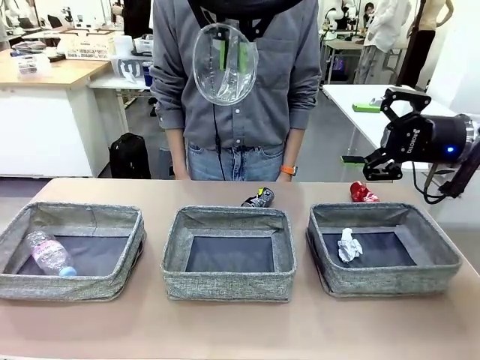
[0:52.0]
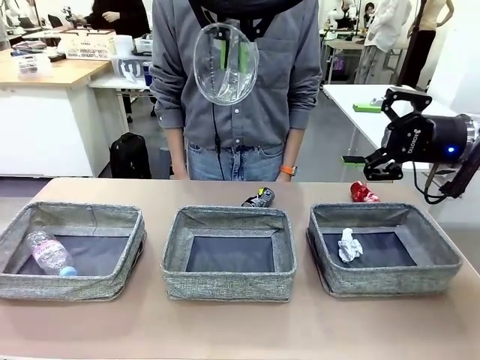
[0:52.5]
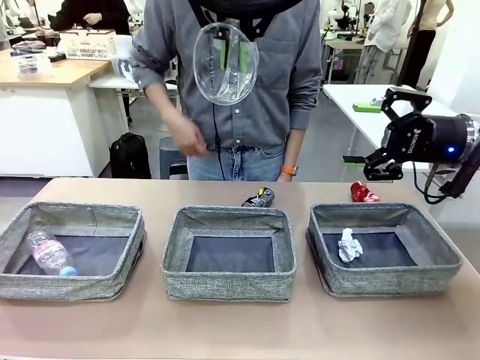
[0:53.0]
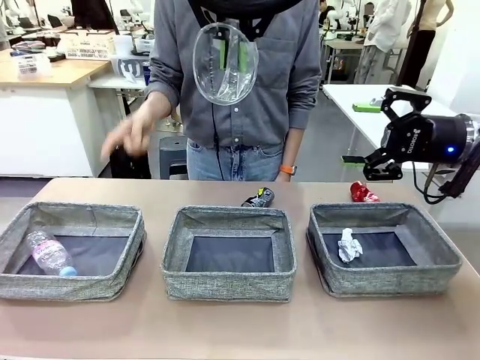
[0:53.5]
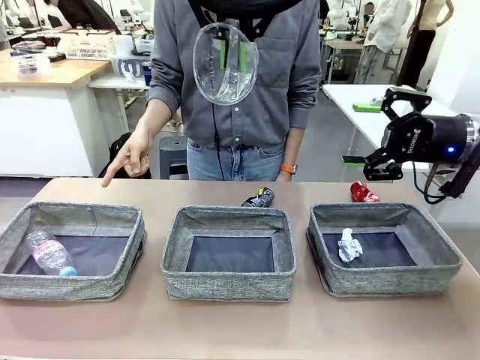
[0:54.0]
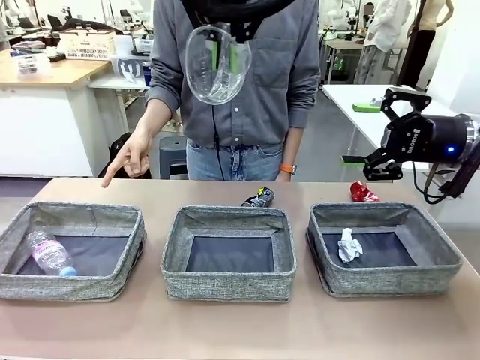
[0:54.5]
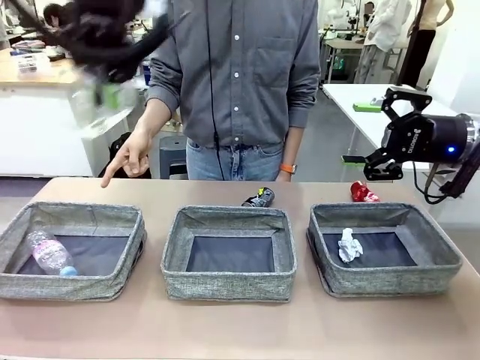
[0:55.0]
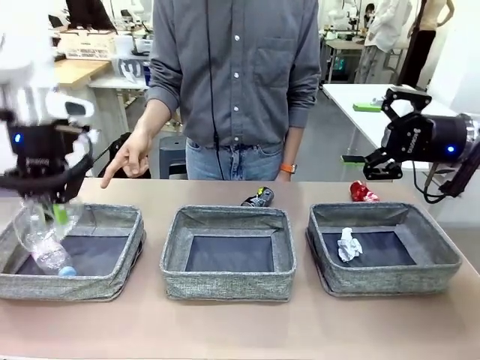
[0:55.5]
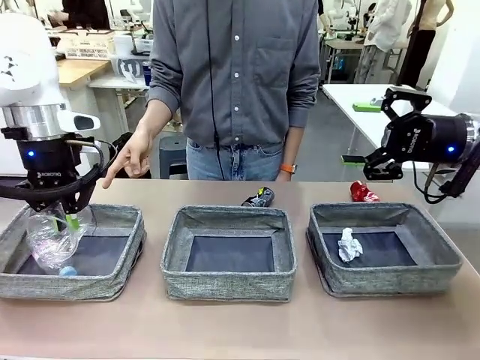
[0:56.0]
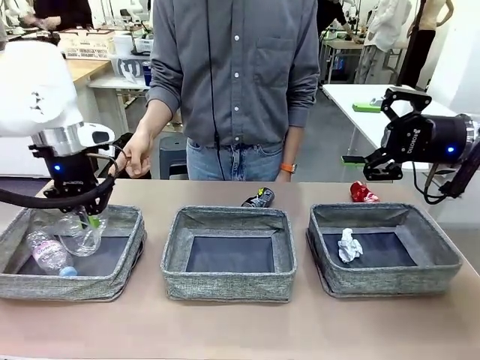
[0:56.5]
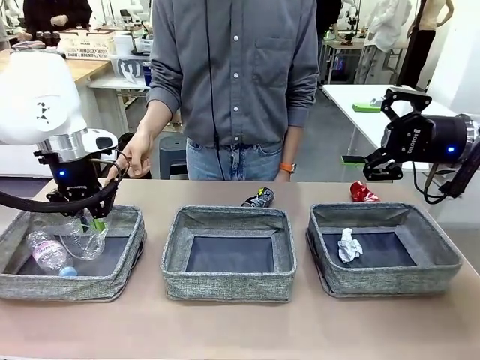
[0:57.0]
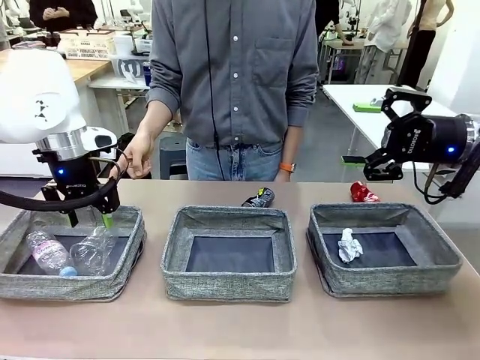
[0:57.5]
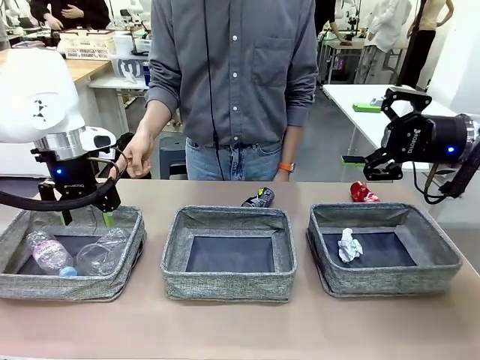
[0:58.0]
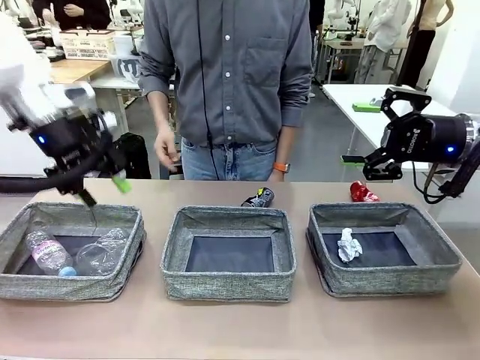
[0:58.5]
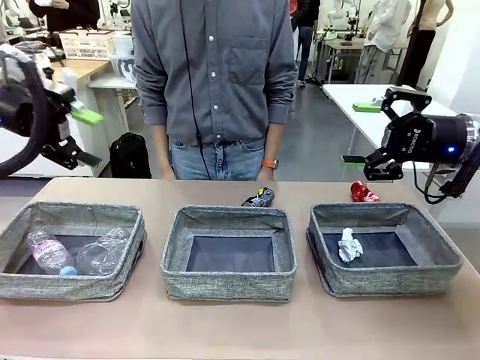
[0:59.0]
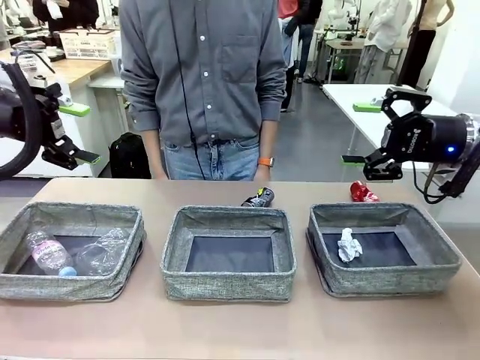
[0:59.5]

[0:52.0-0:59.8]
Task: Sort the waste into the appropriate baskets.
Robot: Place the picked waste into the Fabric basket indicated by the person.
Person: Instructs the robot to place the picked-up trash into the appropriate organizing basket.

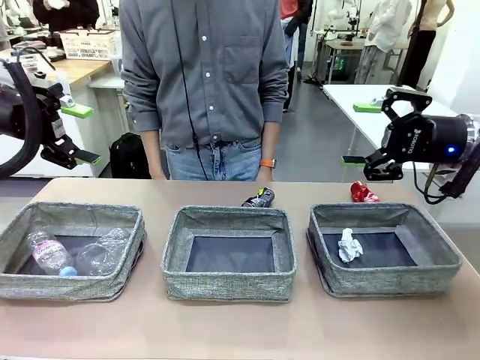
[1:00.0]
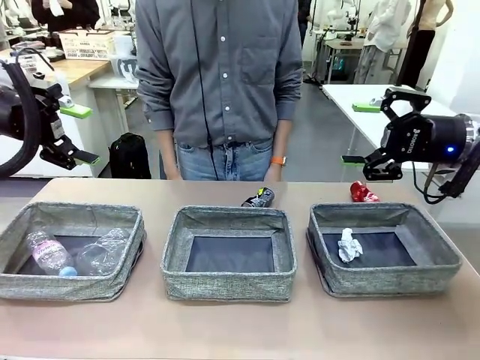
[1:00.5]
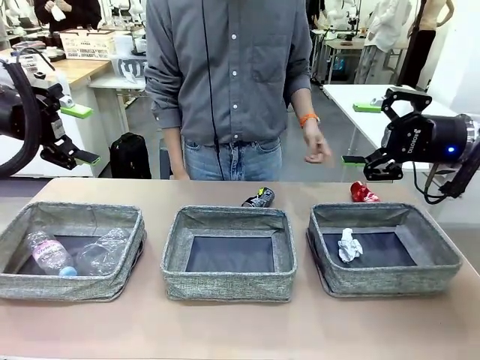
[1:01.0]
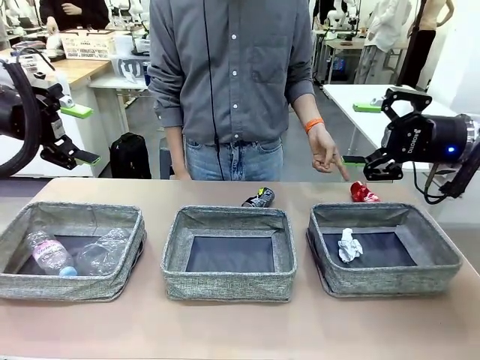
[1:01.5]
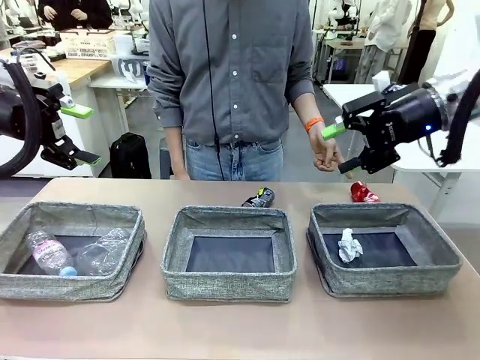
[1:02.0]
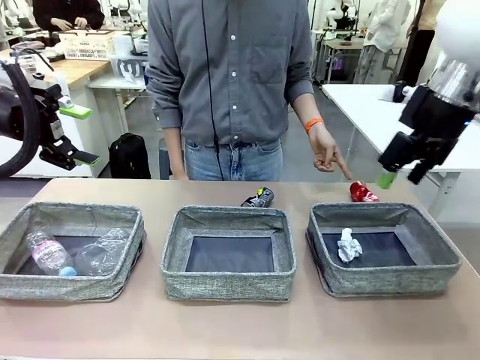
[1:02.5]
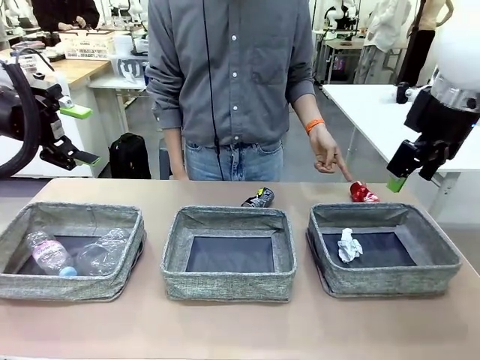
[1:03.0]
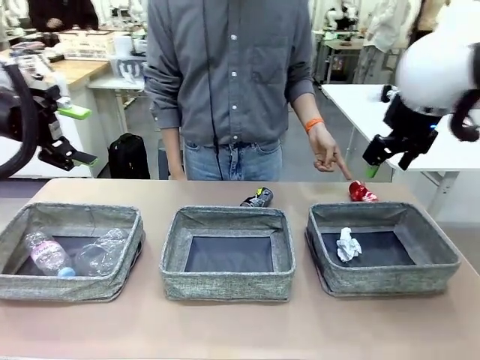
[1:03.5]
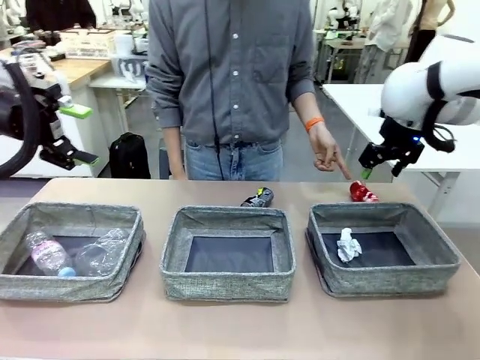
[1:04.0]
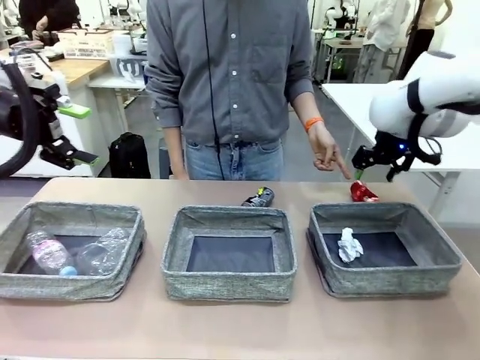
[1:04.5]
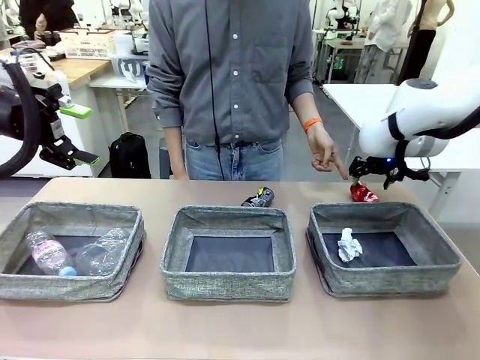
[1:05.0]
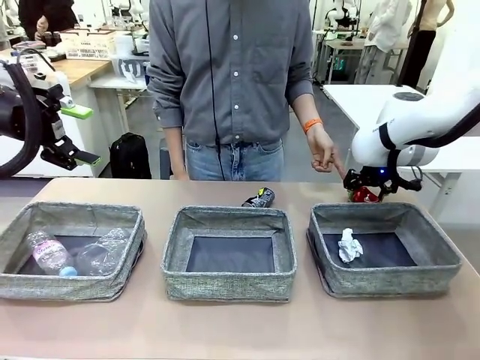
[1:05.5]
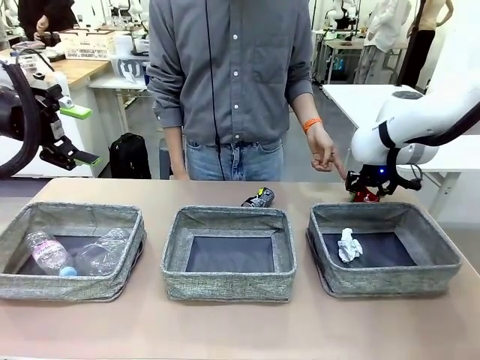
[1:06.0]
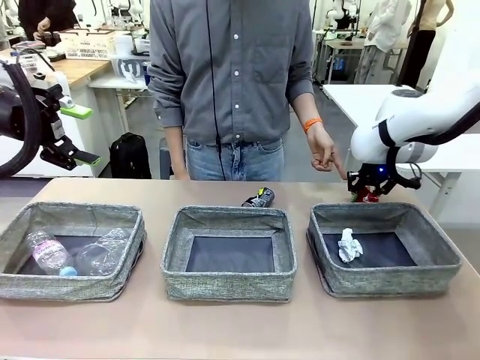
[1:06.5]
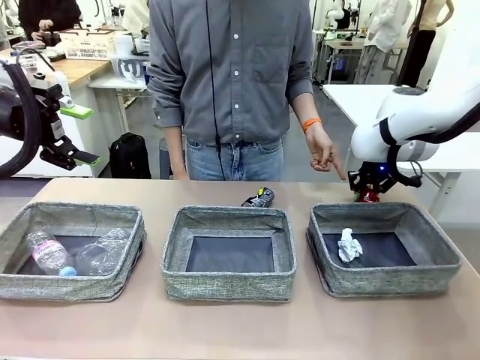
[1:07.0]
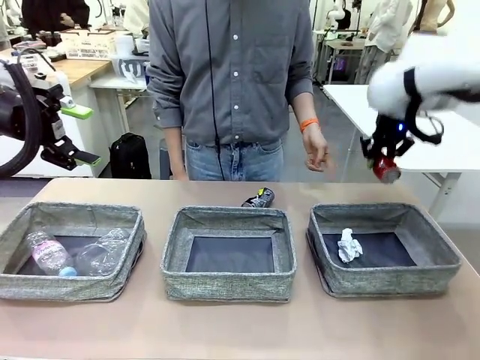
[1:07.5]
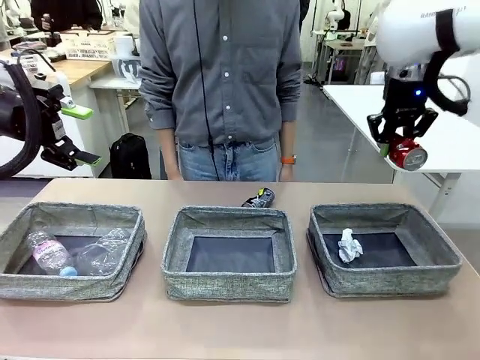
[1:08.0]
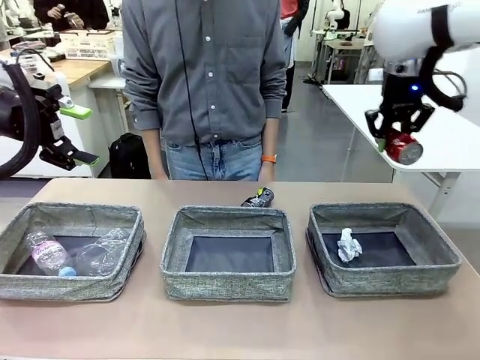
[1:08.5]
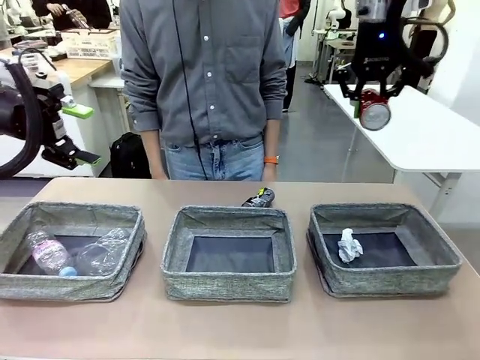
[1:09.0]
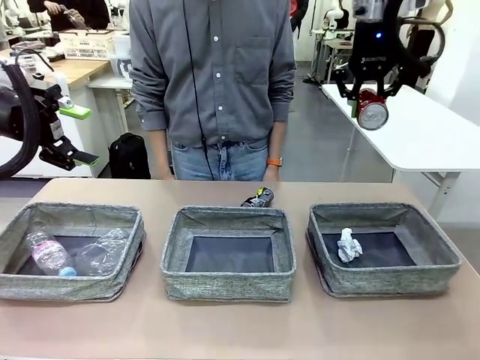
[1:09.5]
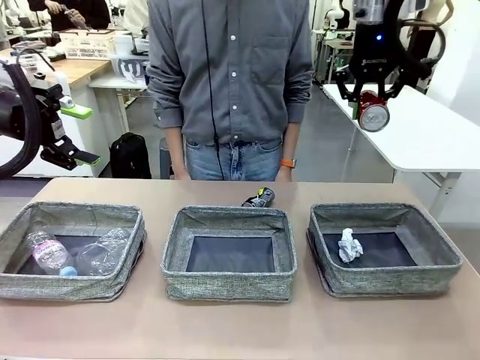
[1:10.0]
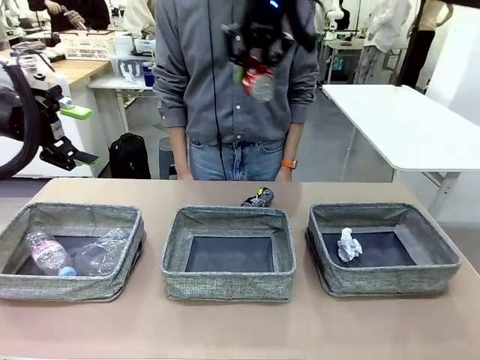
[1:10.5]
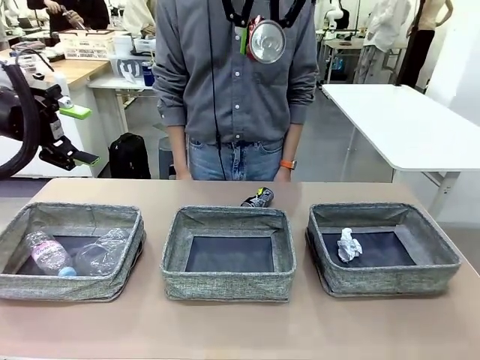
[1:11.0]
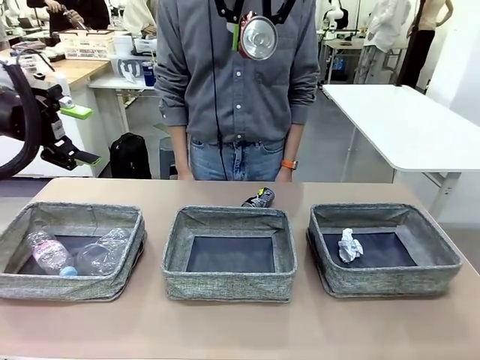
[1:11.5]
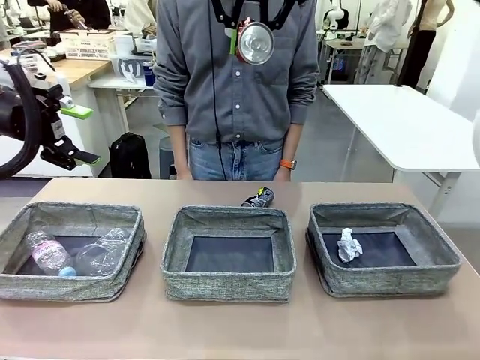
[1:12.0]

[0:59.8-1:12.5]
Robot: Pick up the waste item pointed out by the person.
Person: Points to one piece of trash on the table.

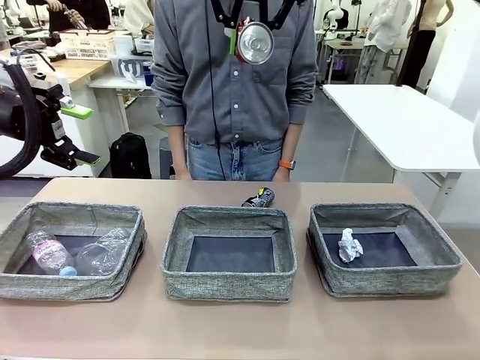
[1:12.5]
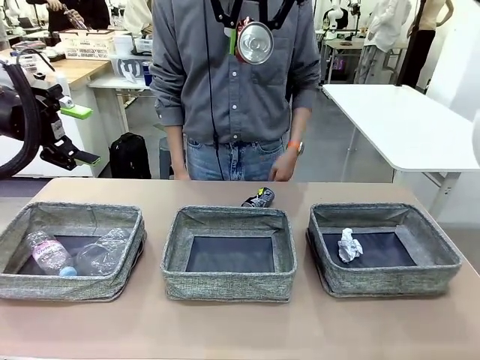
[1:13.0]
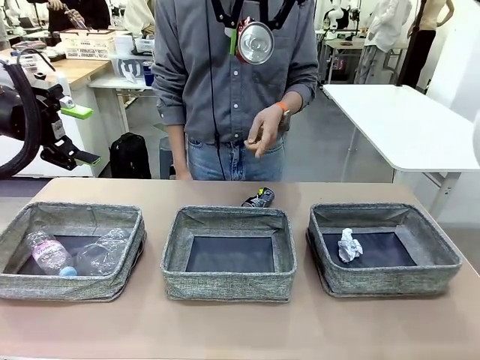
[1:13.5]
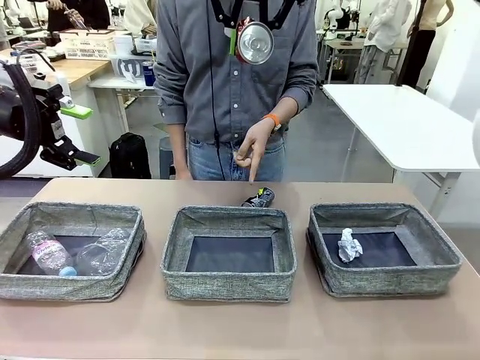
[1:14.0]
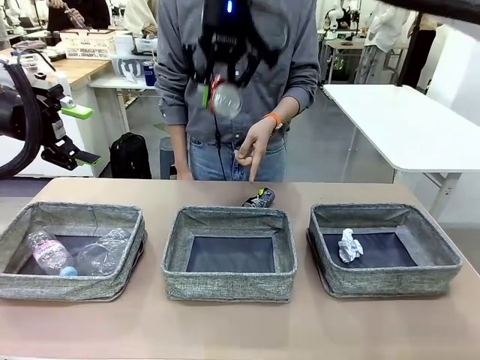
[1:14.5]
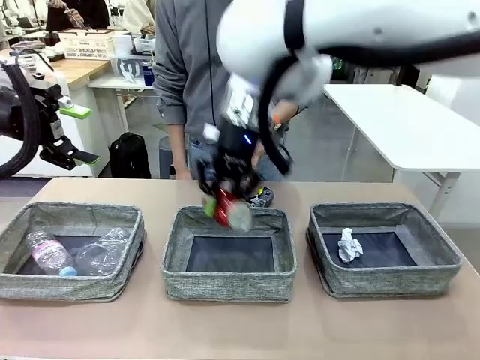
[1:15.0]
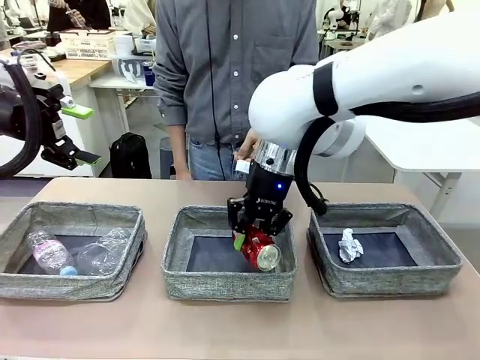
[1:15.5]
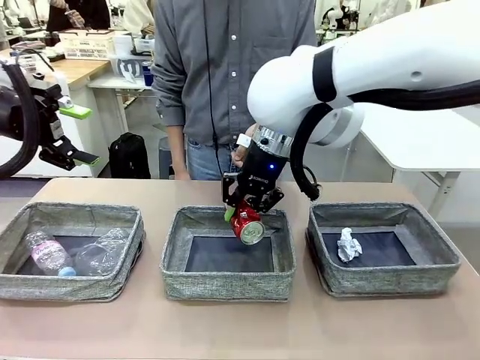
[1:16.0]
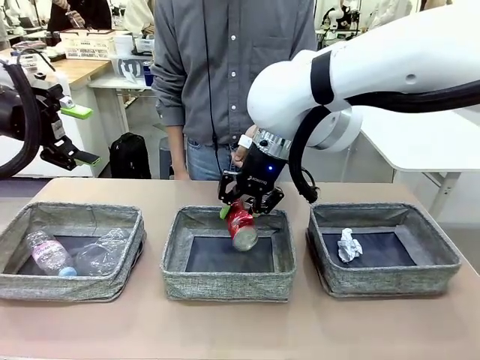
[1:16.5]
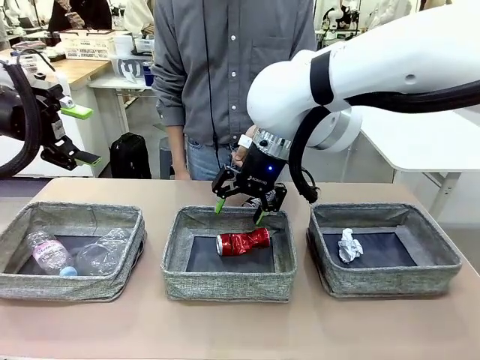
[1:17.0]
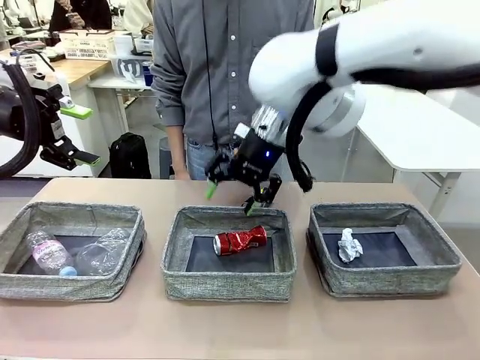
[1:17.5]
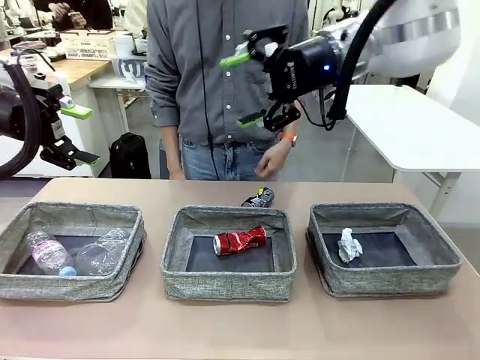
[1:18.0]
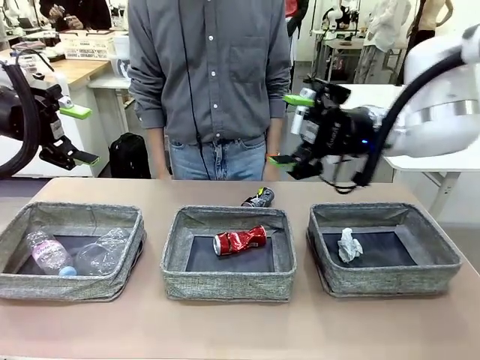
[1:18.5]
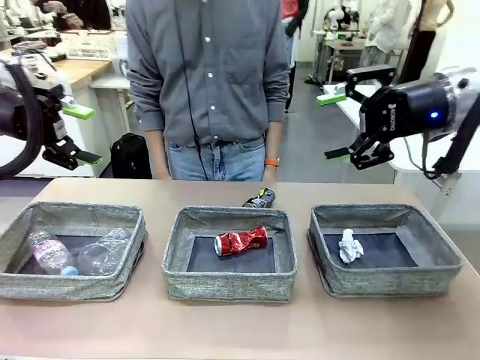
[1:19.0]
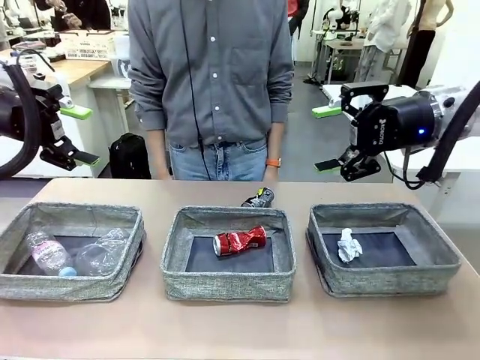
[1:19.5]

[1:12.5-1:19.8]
Robot: Place the picked waste into the Fabric basket indicated by the person.
Person: Instructs the robot to place the picked-up trash into the appropriate organizing basket.
